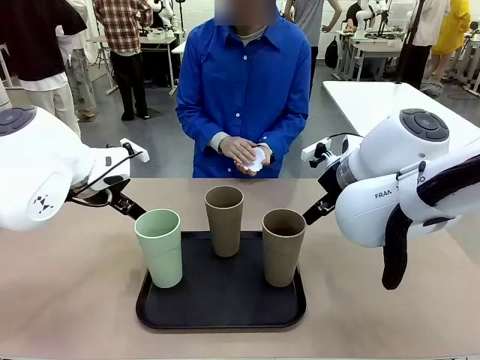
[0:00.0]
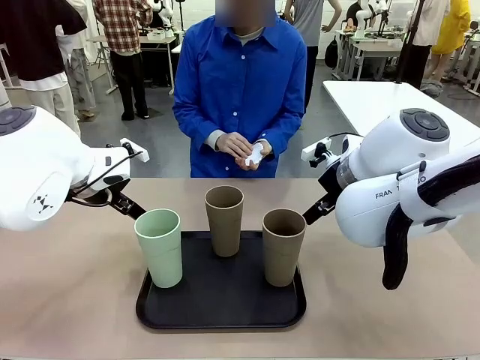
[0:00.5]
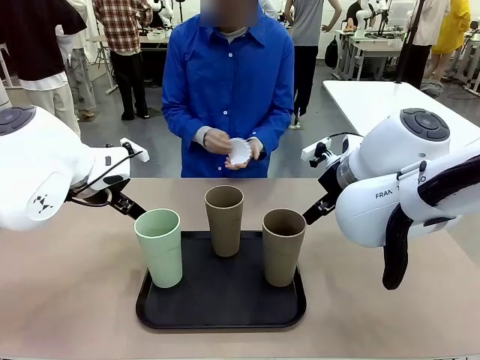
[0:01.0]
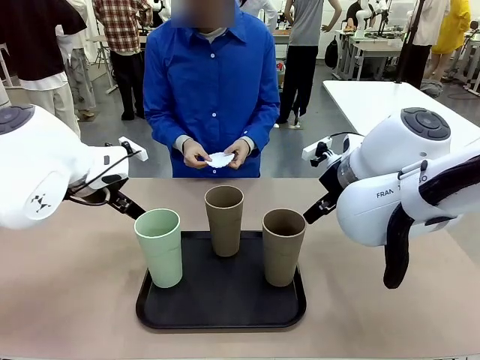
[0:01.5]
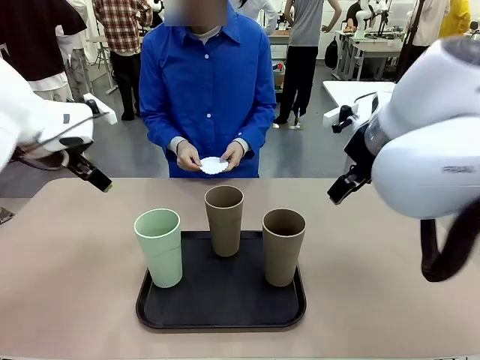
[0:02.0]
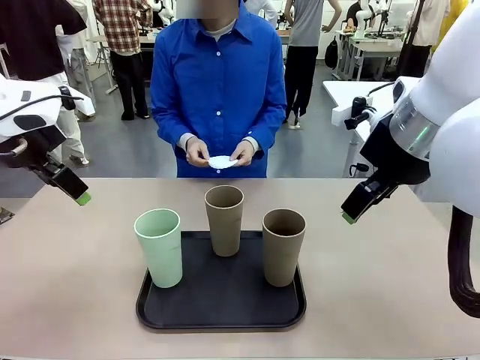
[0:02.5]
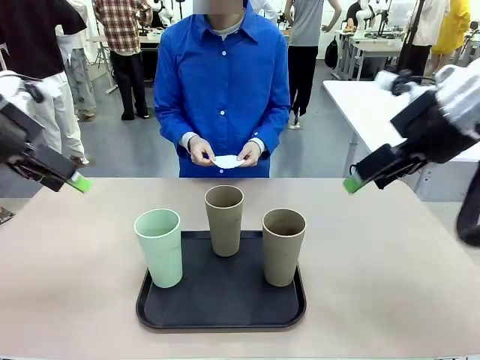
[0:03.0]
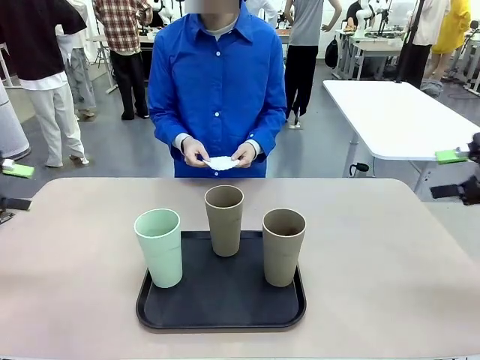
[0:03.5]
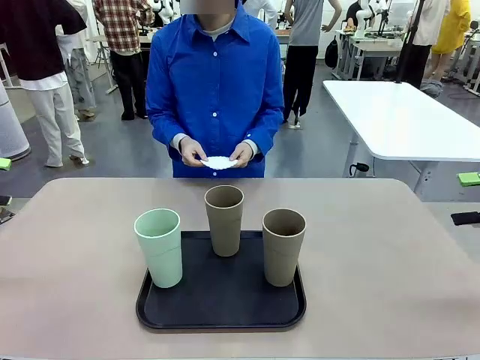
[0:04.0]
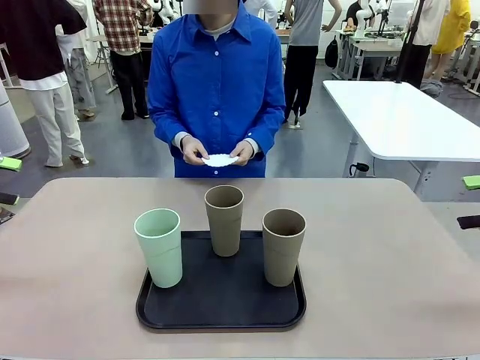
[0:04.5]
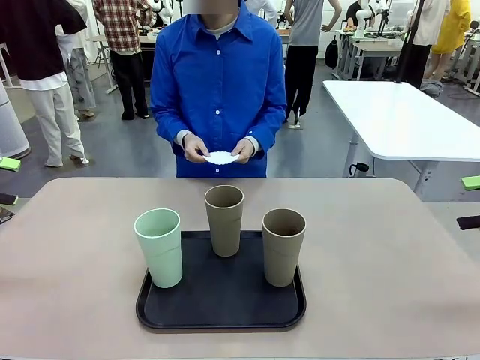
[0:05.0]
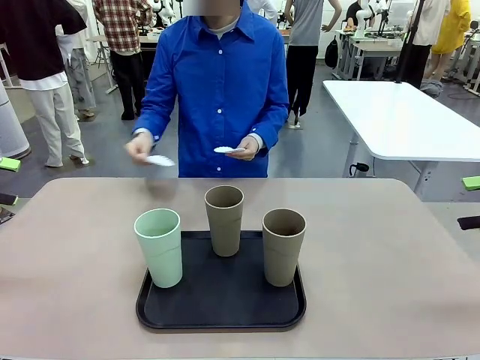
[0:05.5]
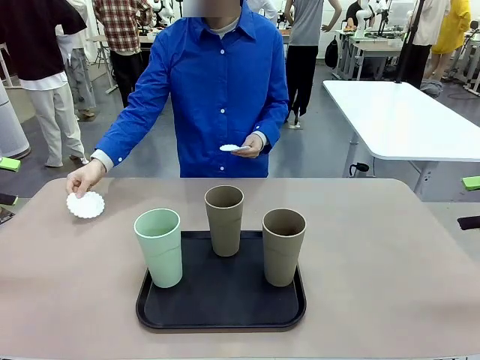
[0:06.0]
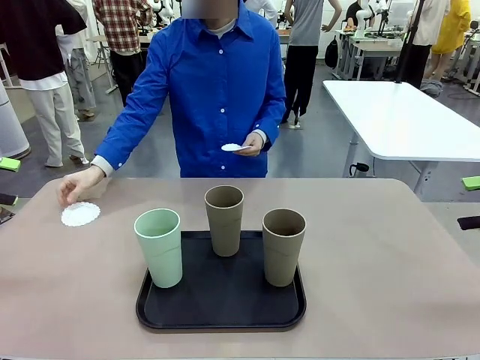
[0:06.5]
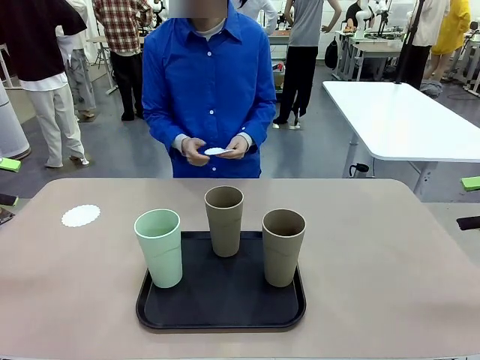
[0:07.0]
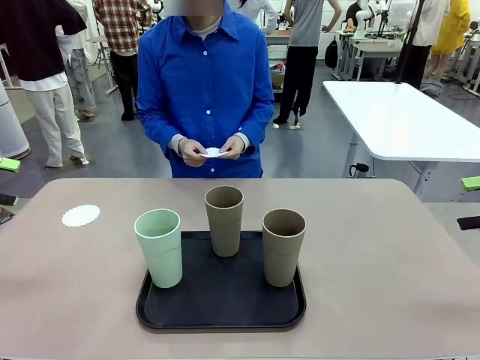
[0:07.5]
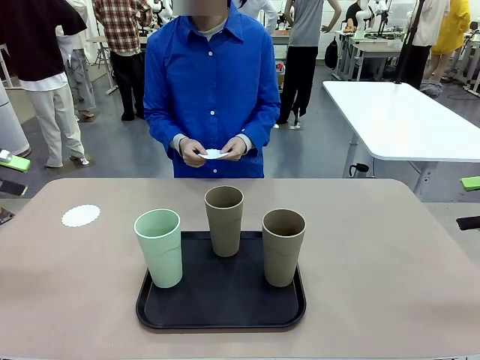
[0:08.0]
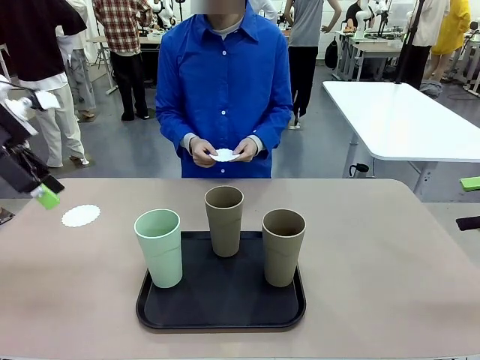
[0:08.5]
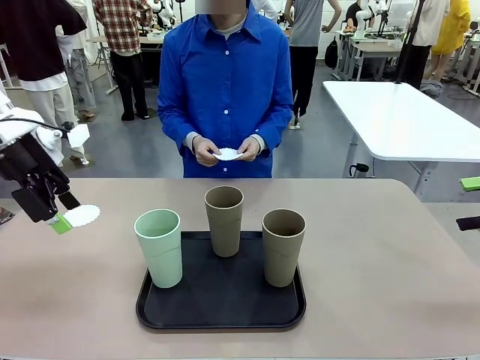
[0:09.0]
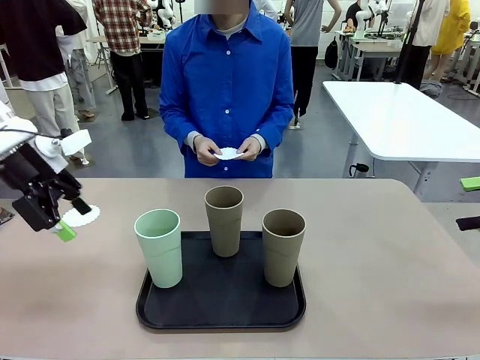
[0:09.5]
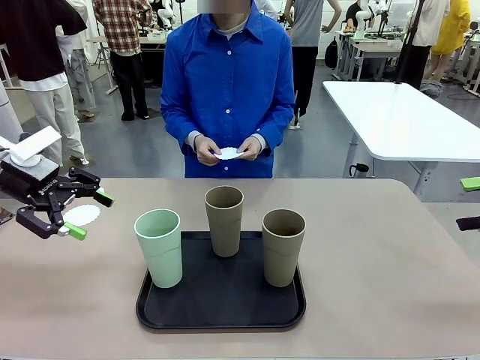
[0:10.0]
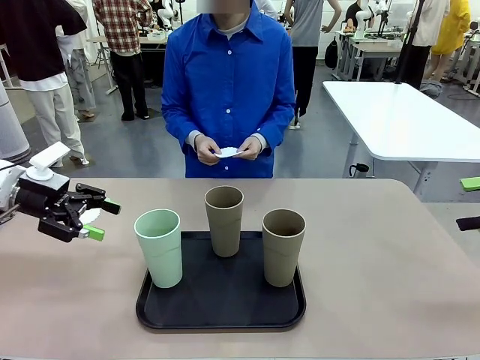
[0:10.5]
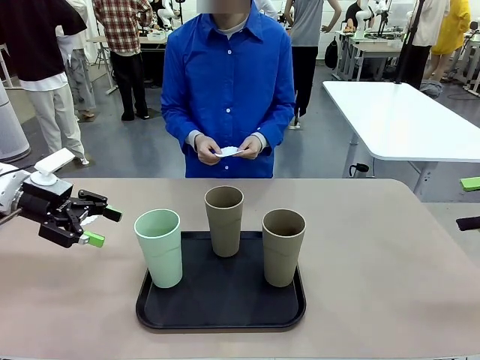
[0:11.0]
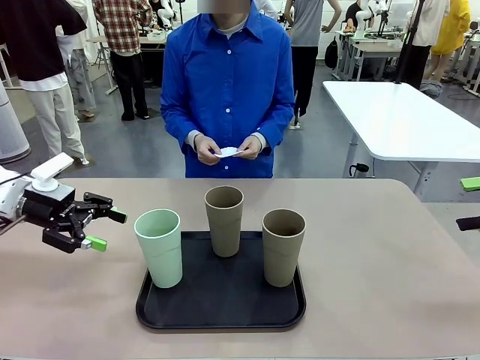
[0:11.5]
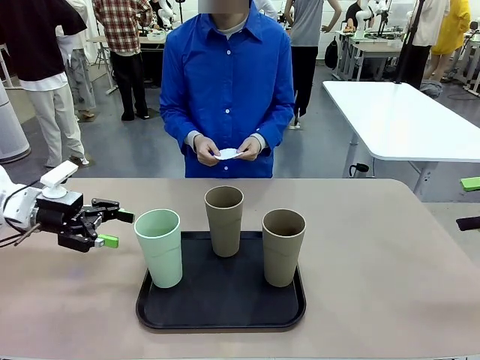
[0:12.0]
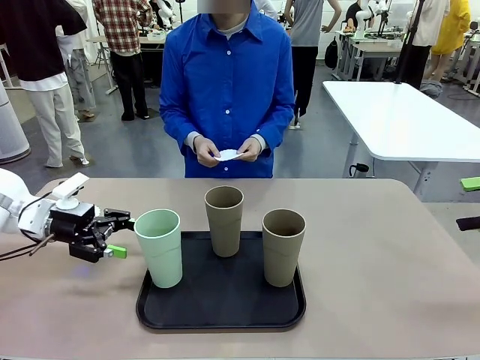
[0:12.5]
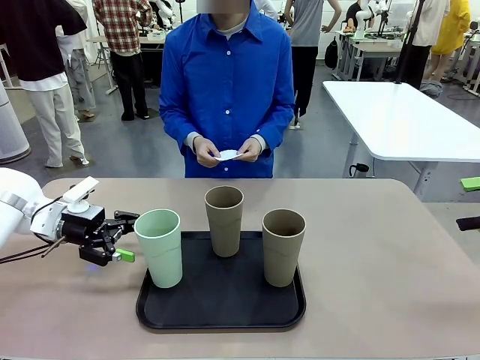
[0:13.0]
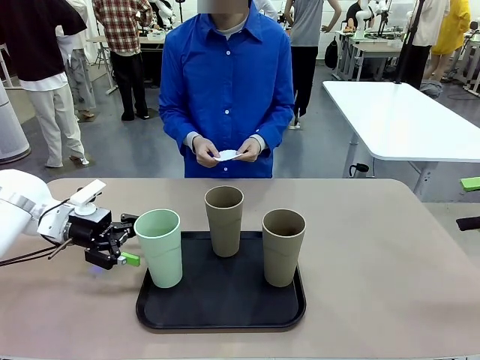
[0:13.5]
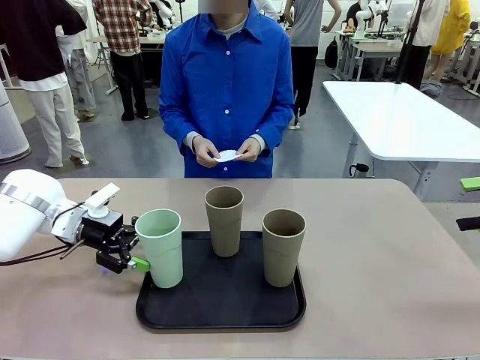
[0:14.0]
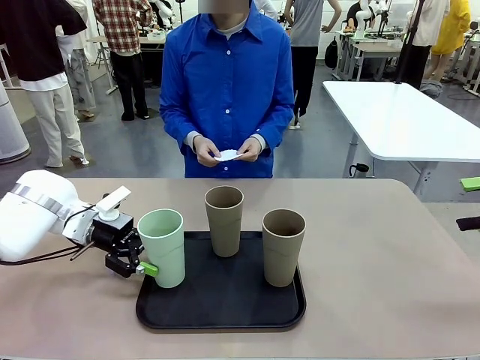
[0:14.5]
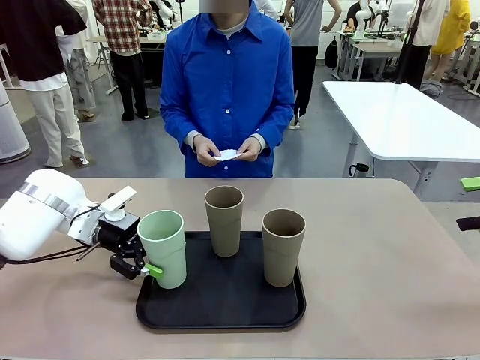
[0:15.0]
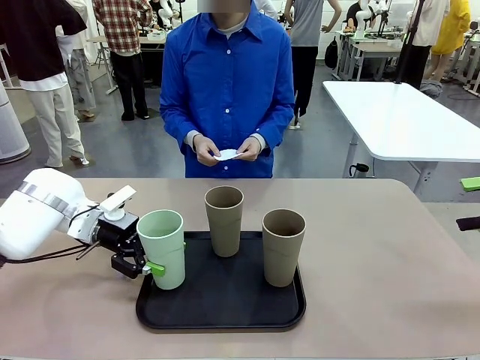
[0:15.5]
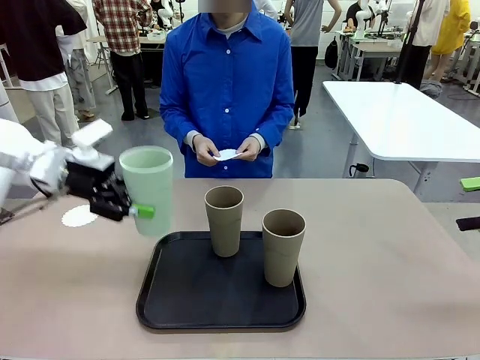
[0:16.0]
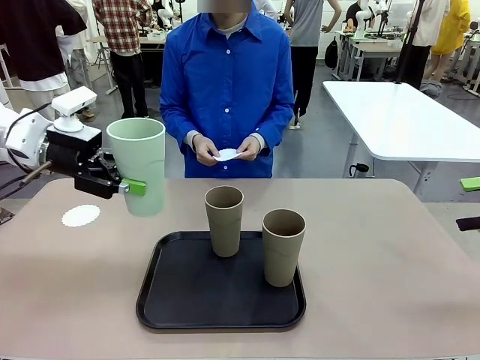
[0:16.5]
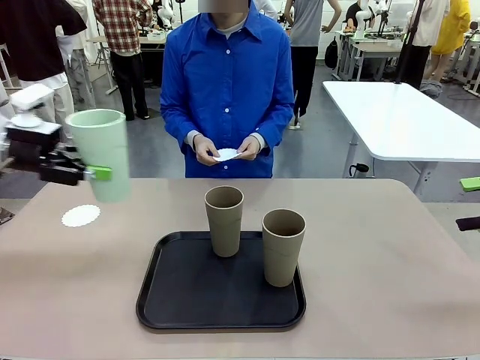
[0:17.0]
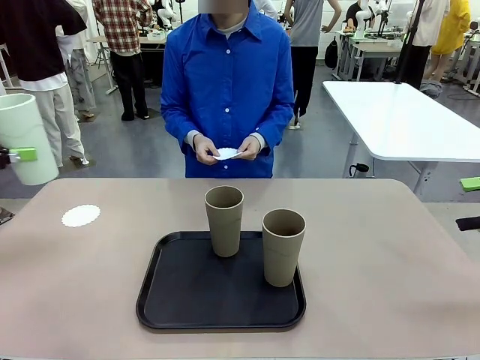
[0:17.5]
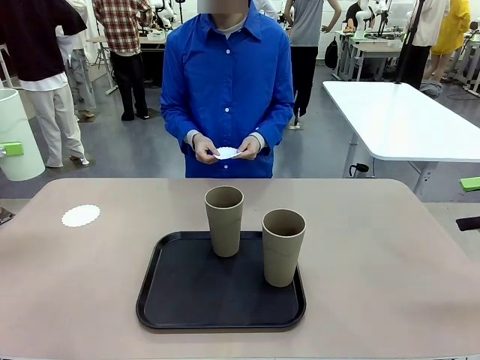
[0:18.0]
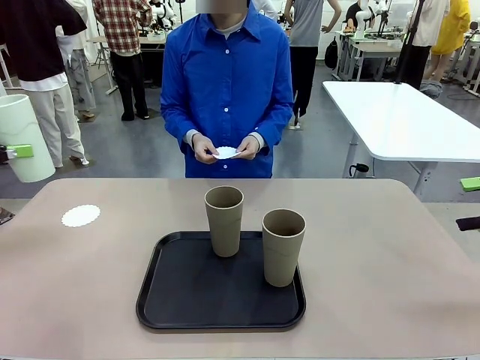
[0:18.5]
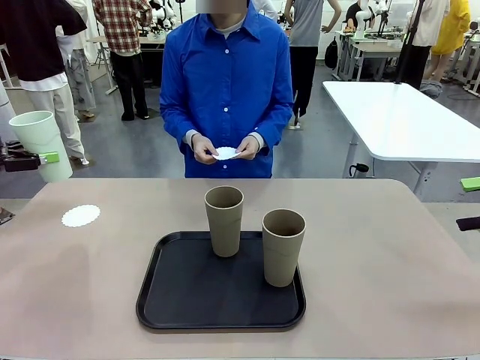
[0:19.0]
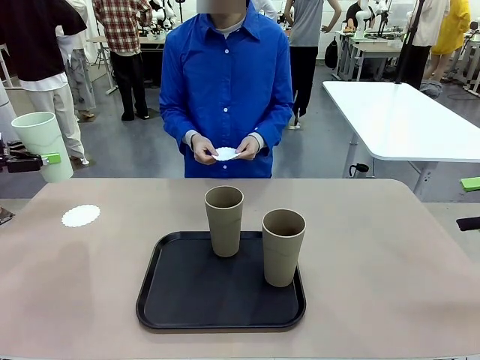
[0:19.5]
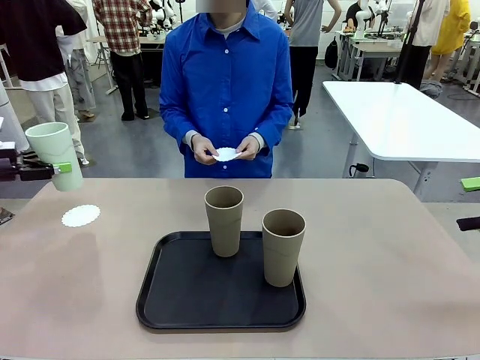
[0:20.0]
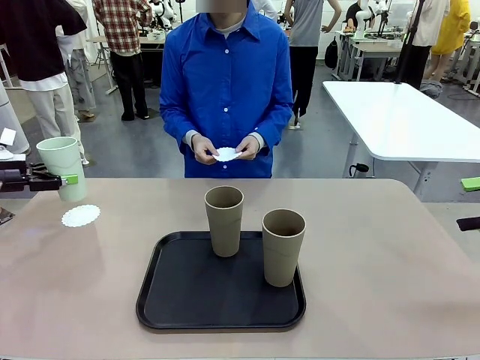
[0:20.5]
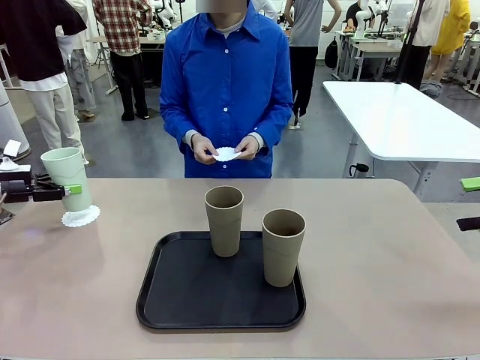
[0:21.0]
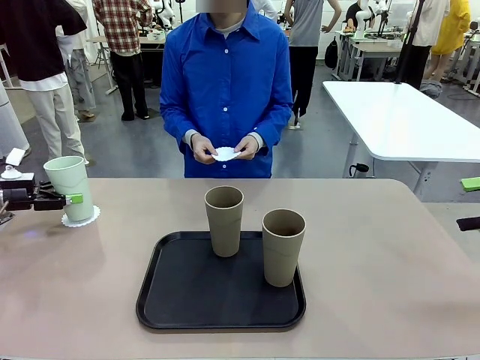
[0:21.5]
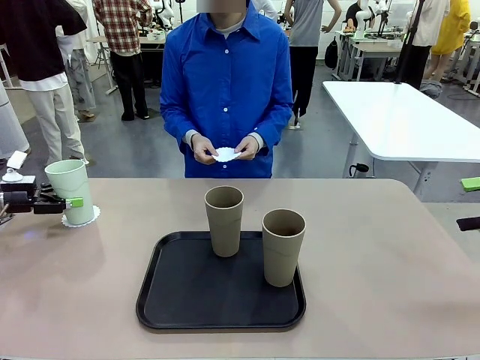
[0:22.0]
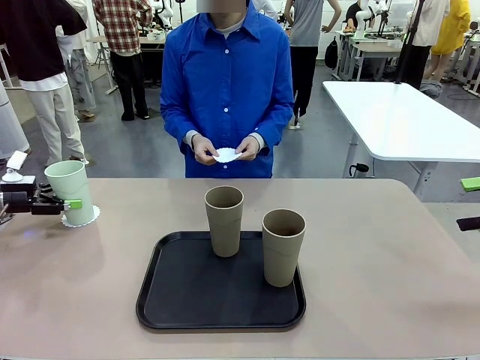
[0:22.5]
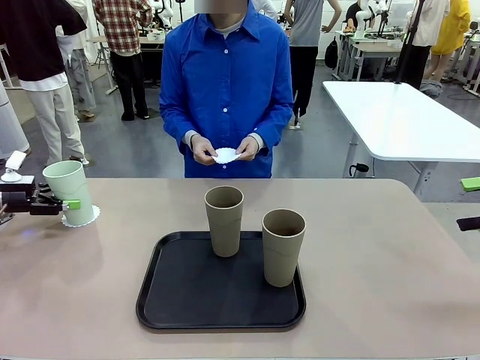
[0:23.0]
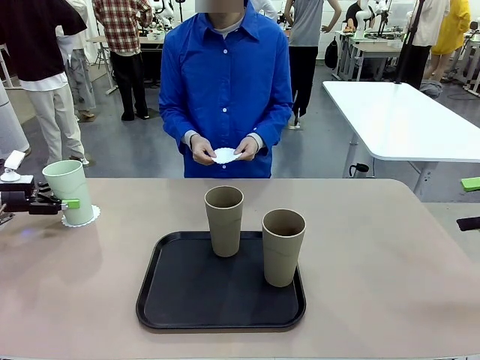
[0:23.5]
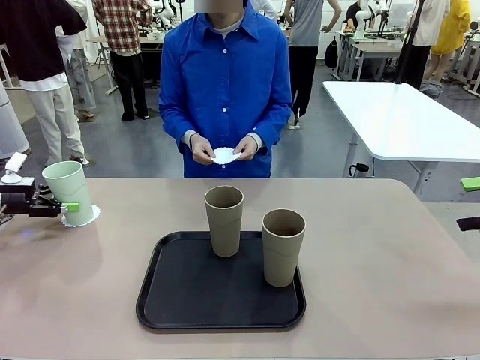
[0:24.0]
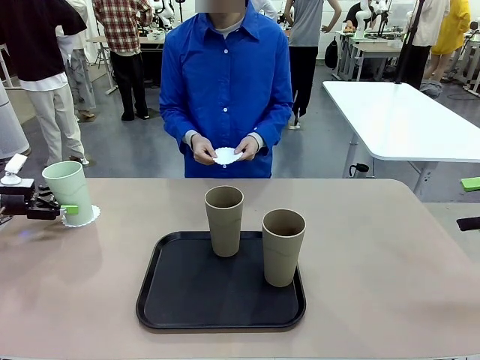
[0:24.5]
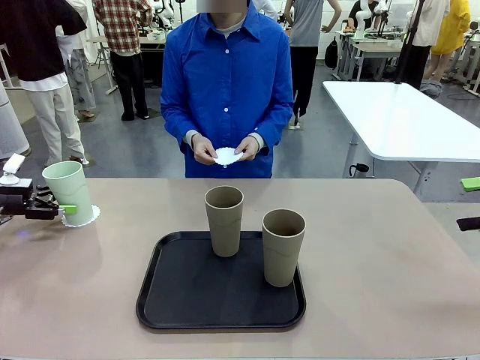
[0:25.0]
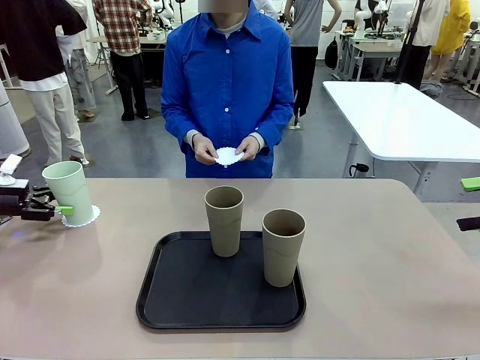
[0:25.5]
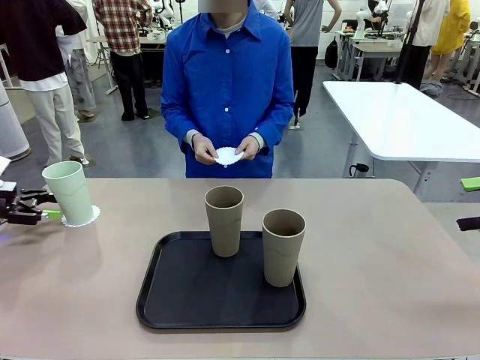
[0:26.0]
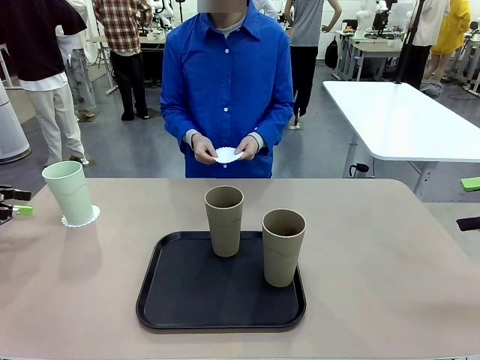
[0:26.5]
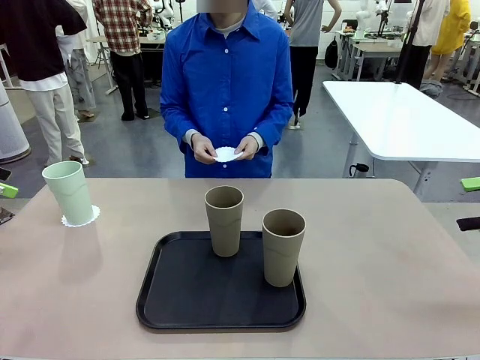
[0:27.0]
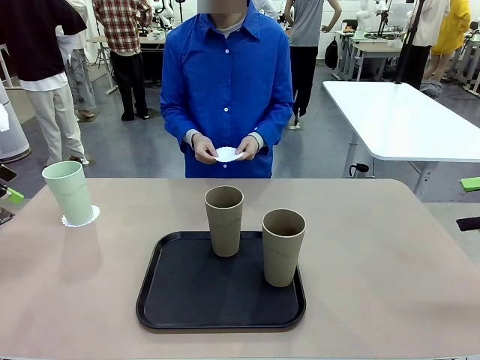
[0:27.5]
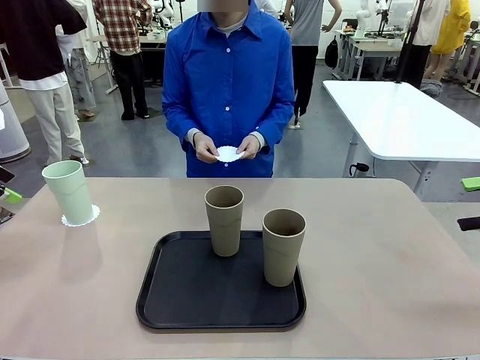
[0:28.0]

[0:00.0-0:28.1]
Task: Place coasters on the table and set cups on them.
Robot: Pick up one Reusable plastic cup and place it on a coaster set by the human.
Person: Place one coaster in any one of the three lower areas of the robot table (left, center, or right). Place one coaster in one of the two areas excluding the previously selected area.
